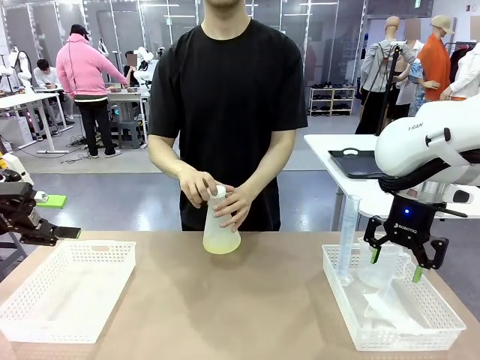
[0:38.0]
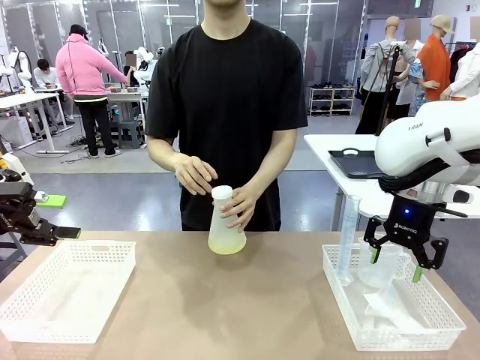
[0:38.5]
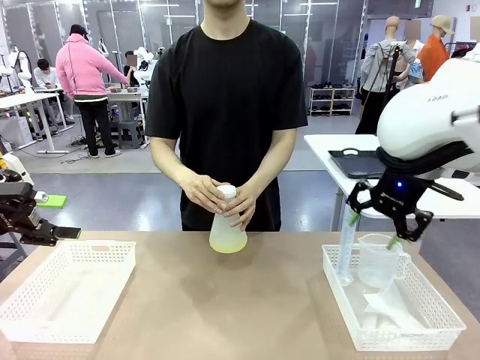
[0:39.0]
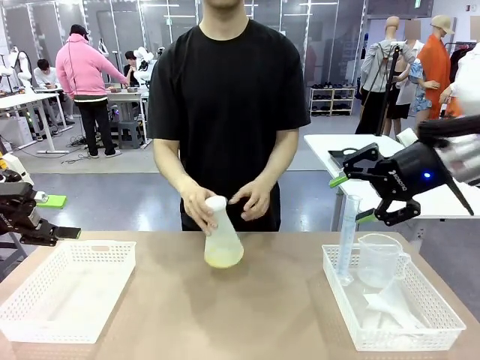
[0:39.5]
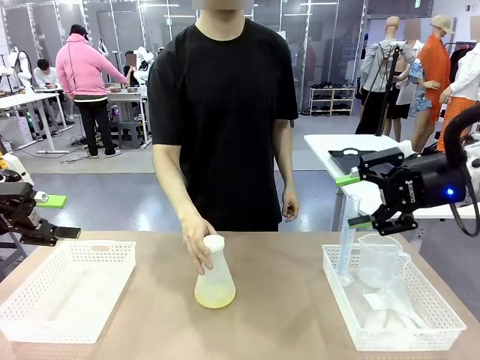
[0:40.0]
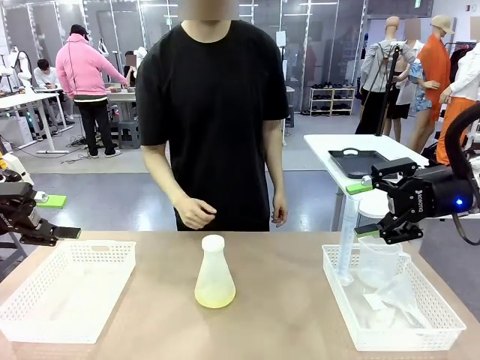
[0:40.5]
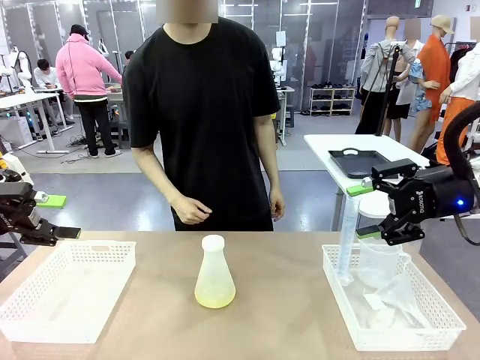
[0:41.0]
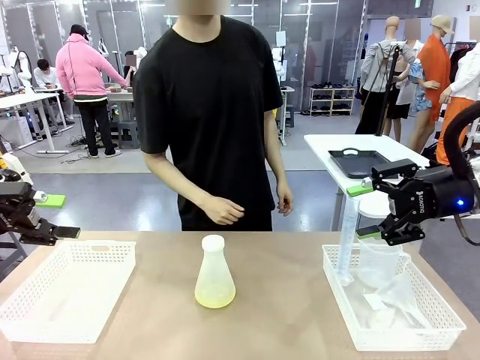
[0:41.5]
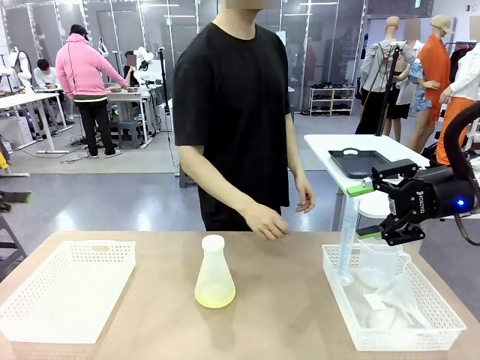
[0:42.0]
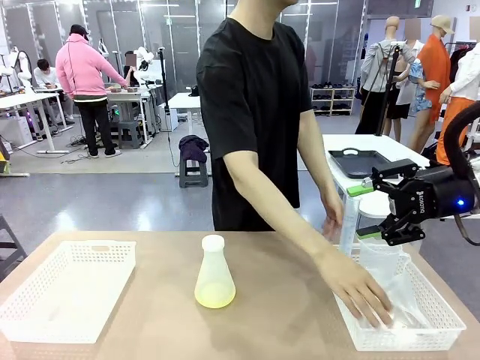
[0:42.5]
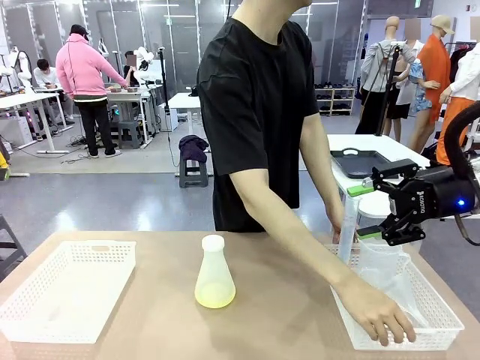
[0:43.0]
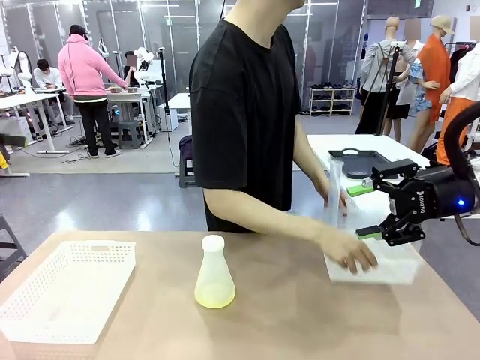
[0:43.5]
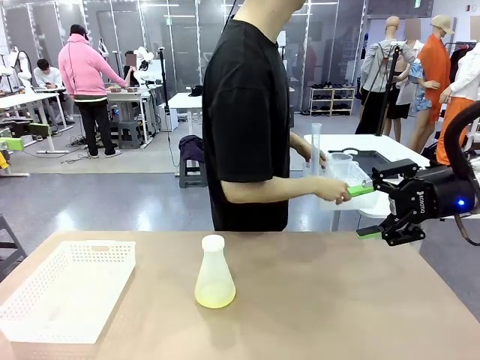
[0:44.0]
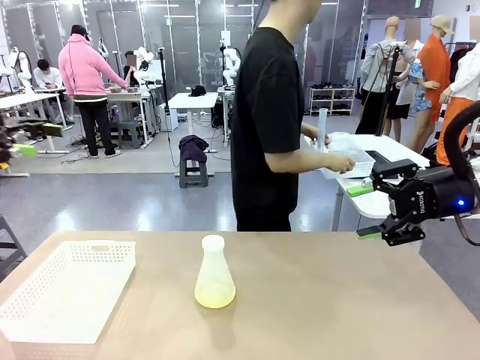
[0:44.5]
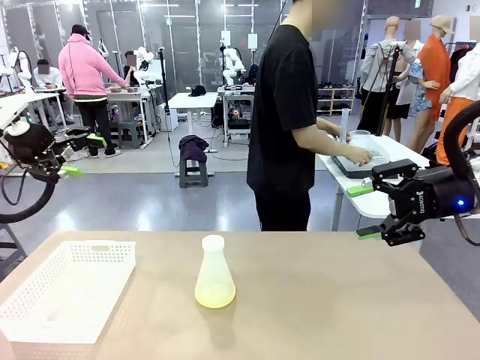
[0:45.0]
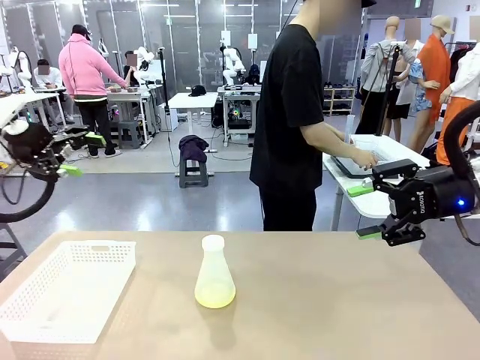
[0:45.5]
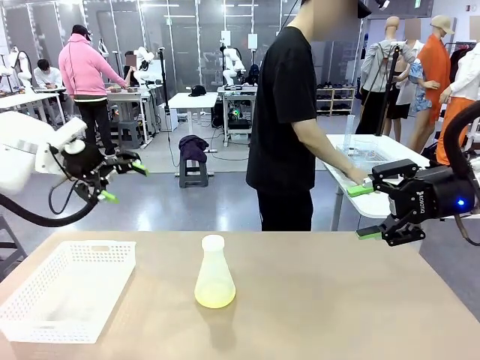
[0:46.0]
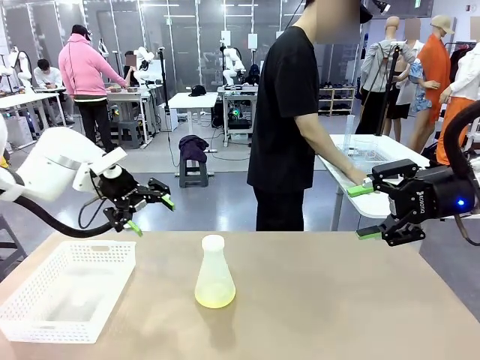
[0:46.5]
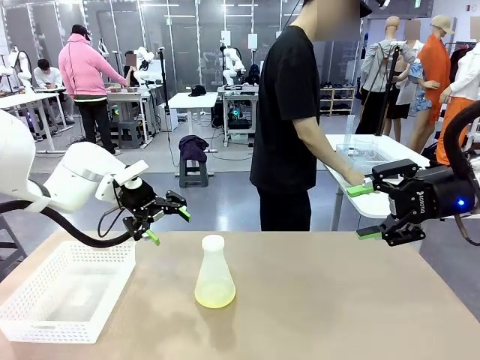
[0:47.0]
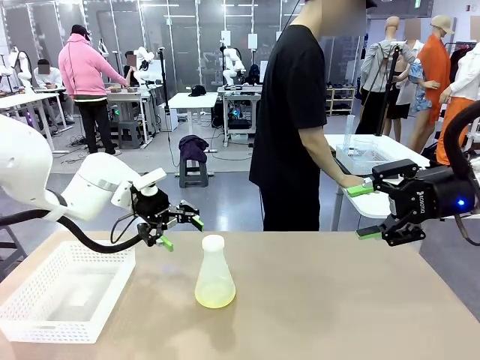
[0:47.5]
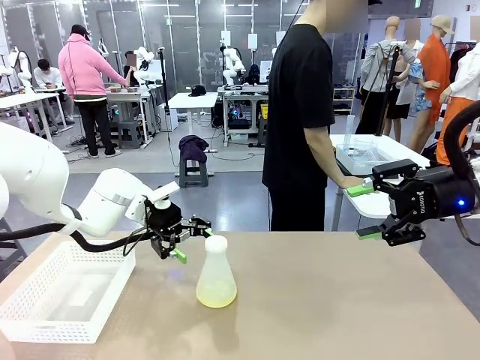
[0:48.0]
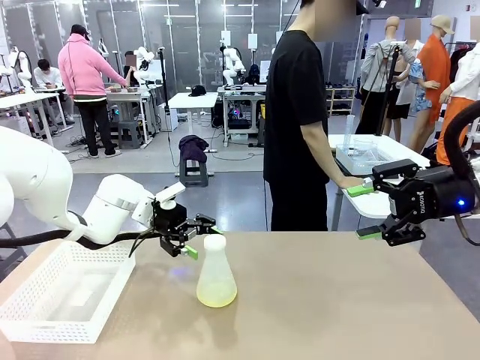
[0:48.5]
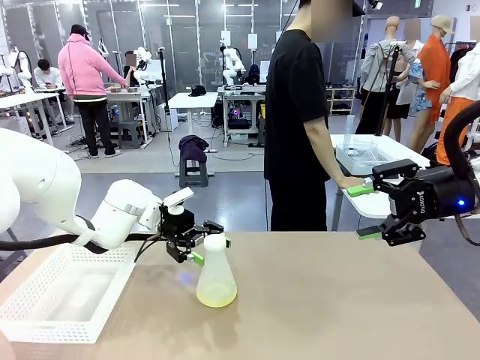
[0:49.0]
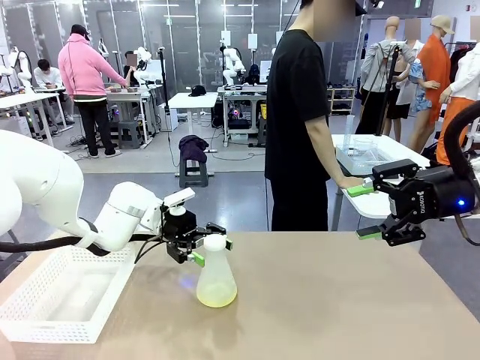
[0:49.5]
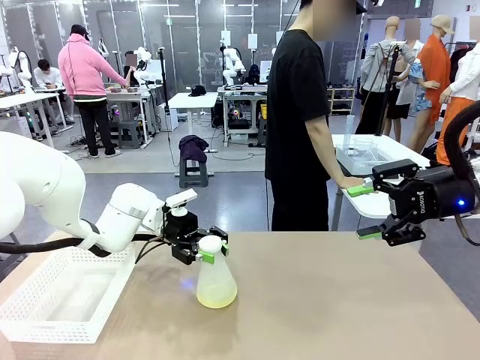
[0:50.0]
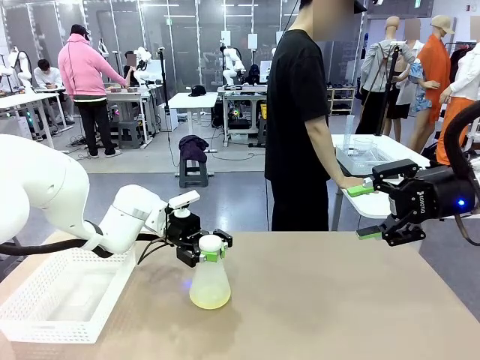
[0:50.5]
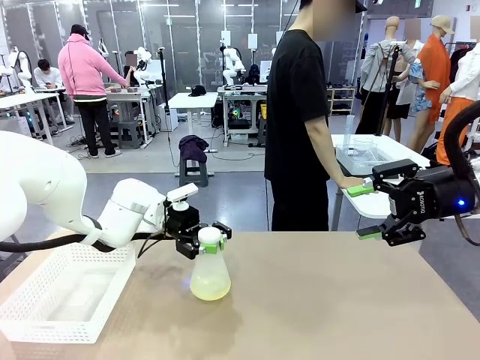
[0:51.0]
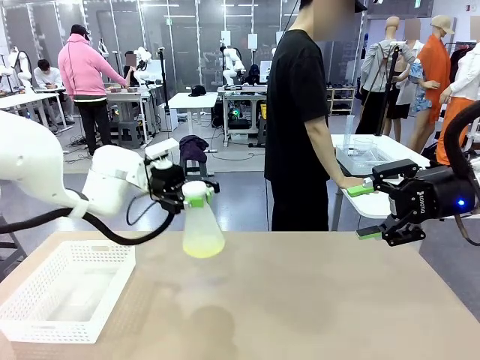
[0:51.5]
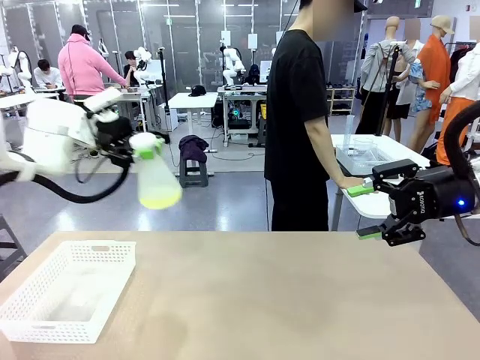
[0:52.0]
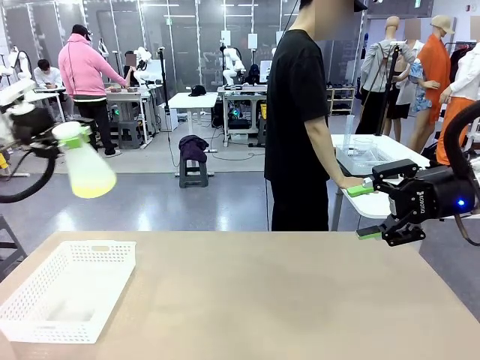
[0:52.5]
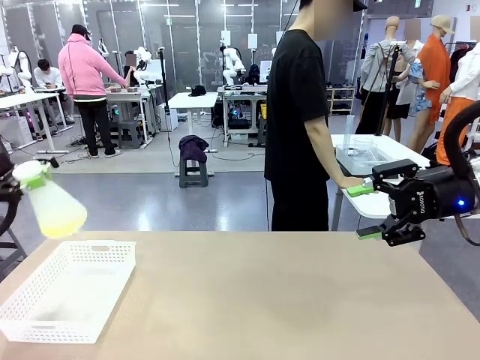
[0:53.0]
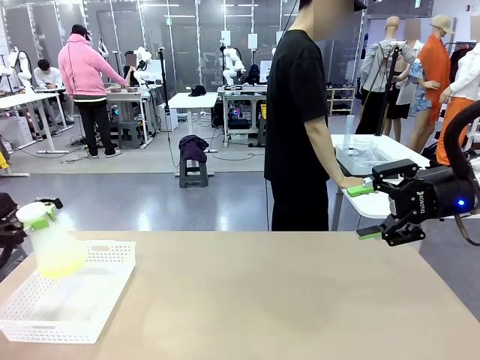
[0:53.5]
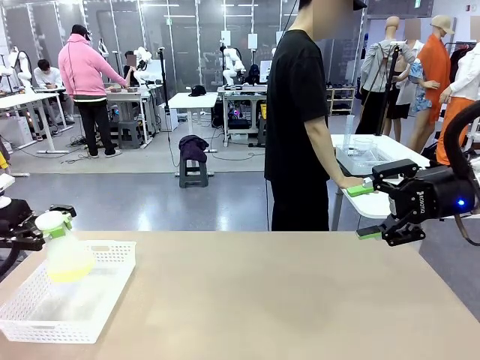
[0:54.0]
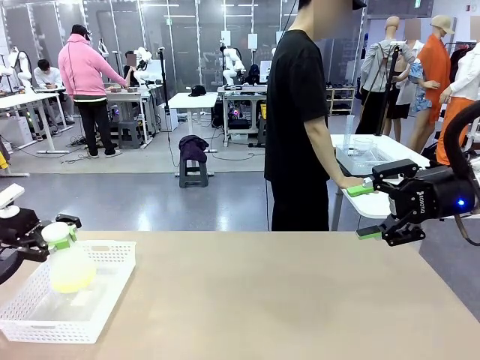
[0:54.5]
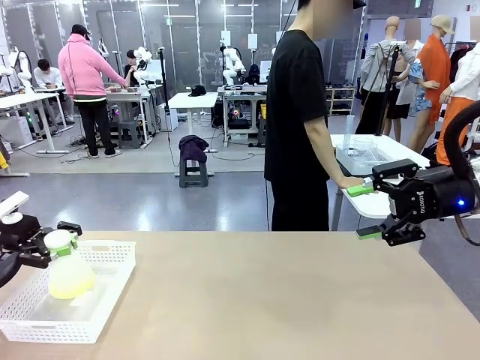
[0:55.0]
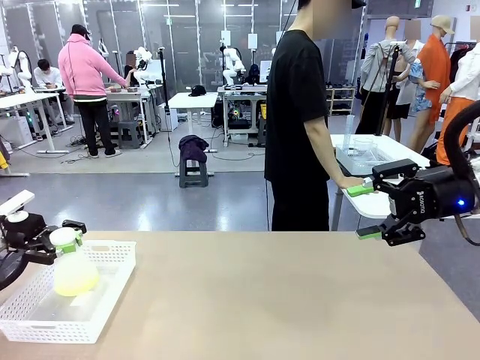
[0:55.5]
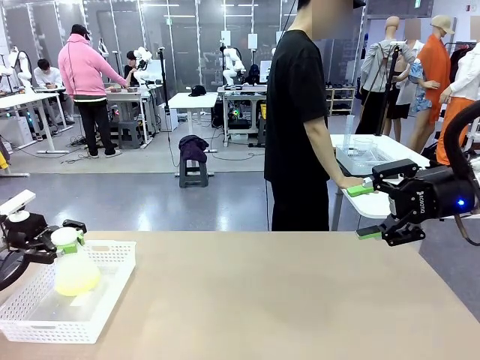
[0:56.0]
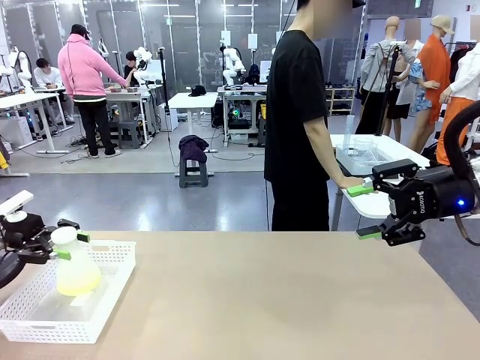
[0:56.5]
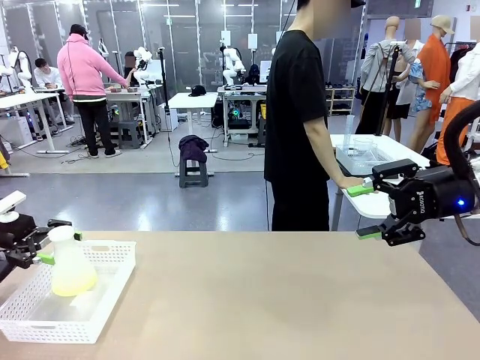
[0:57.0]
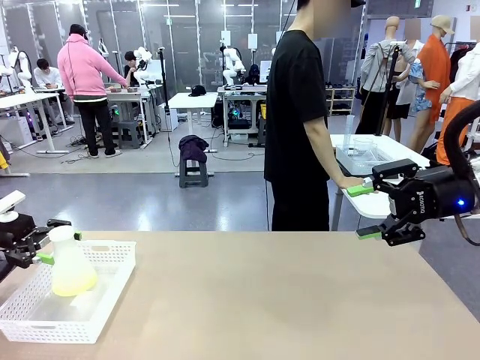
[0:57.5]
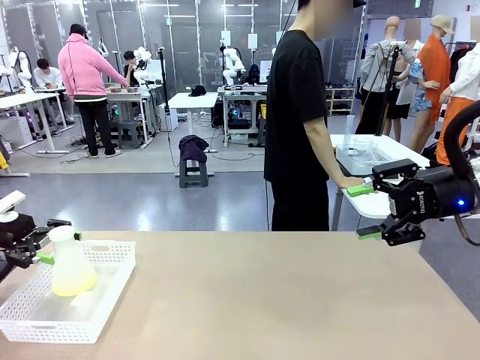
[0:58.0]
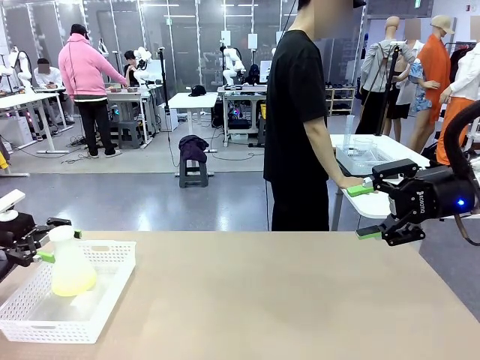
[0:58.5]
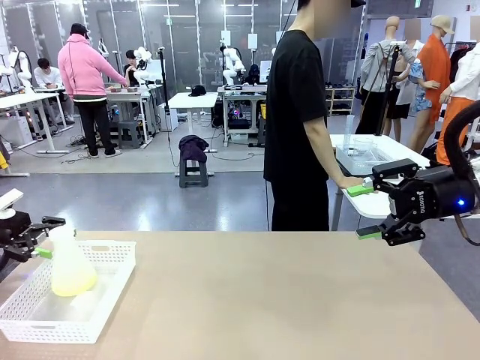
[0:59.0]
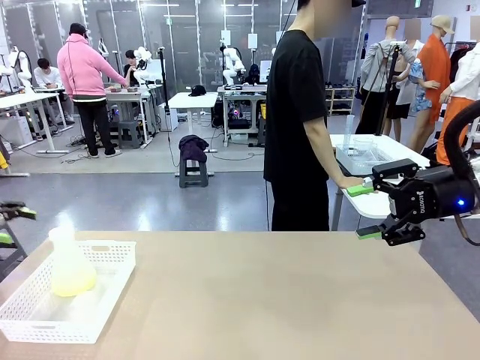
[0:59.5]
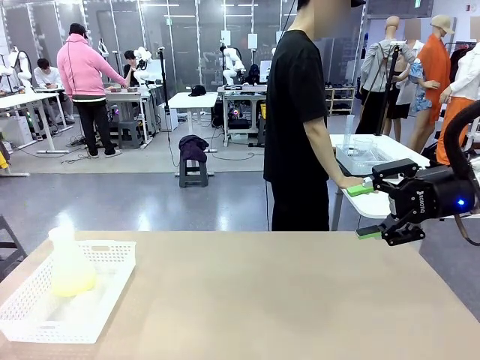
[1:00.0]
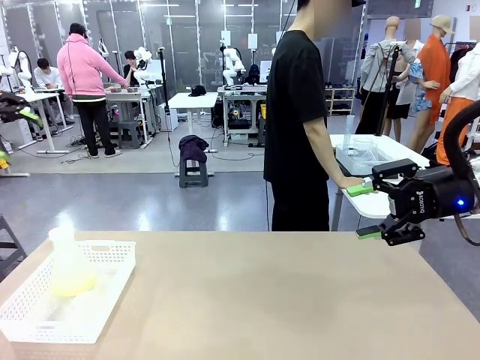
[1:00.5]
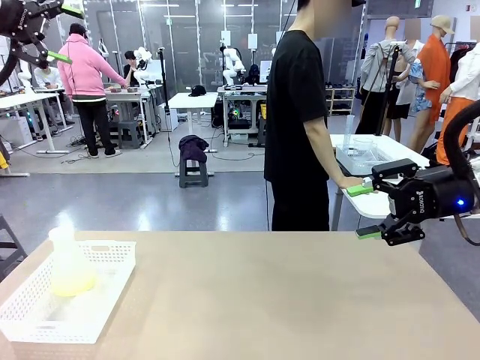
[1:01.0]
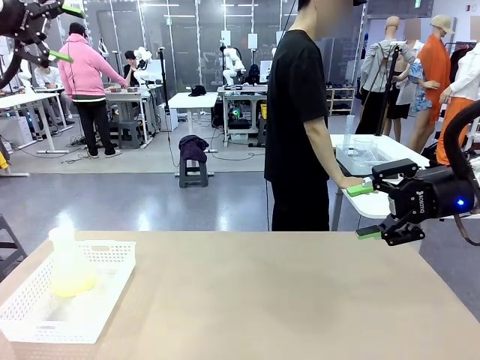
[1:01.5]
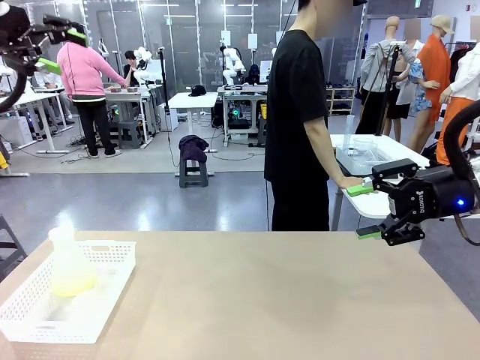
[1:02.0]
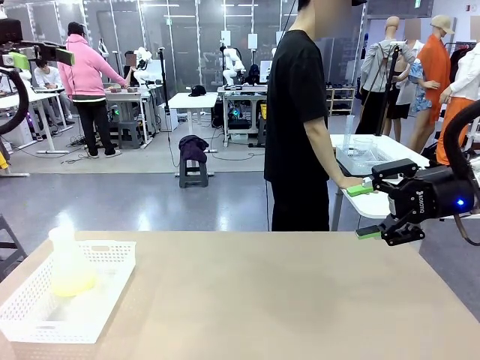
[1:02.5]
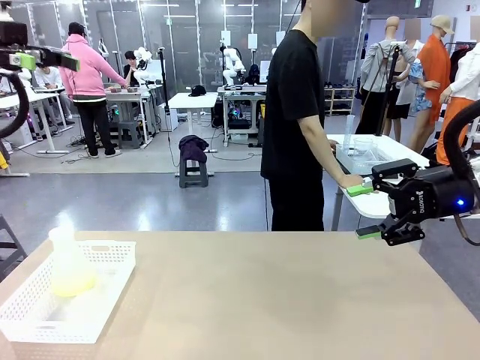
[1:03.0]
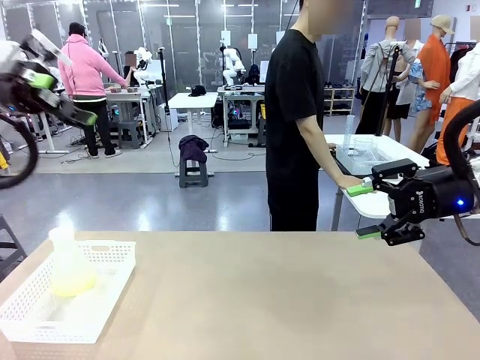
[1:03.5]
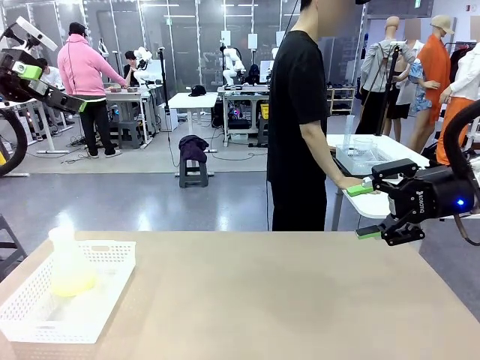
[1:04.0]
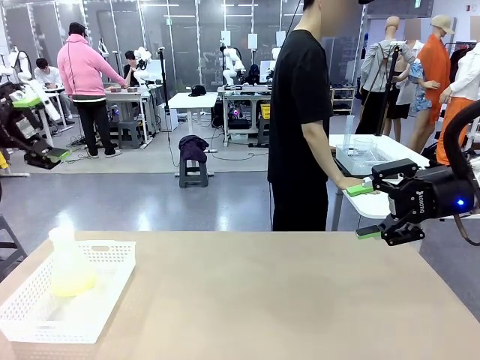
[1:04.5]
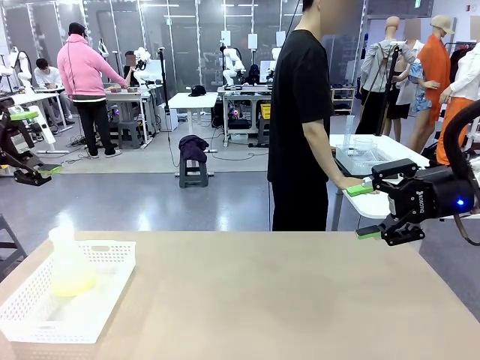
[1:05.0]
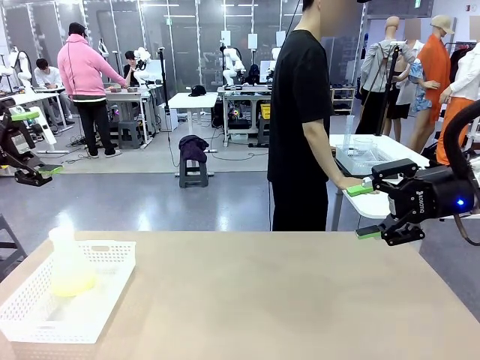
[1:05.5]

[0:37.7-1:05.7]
Task: Prepare the solutions needed for the experiment.
Robot: When the human places the Big flask in the center of the table, pick up the Big flask and place it in the left Organizing basket.
Person: Pick up the organizing basket on the left side of the robot table and place it on the left side of the human table.
